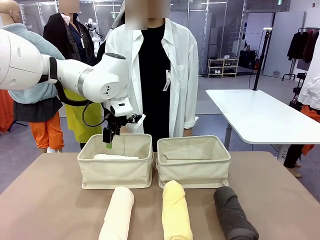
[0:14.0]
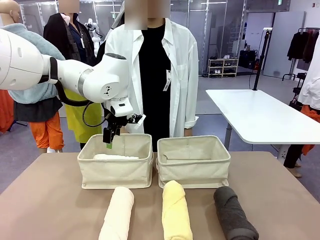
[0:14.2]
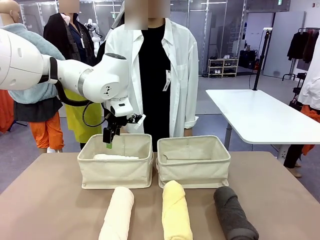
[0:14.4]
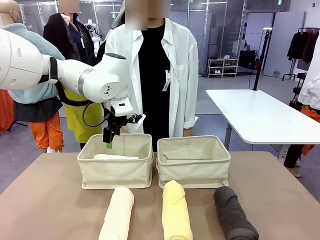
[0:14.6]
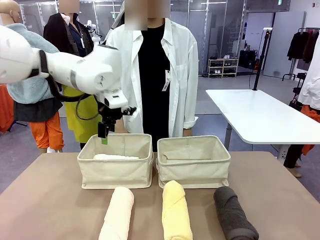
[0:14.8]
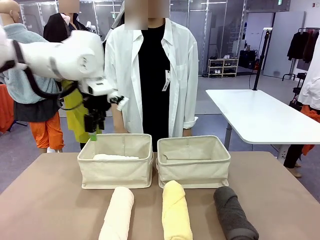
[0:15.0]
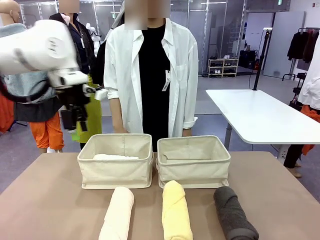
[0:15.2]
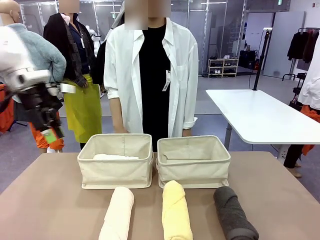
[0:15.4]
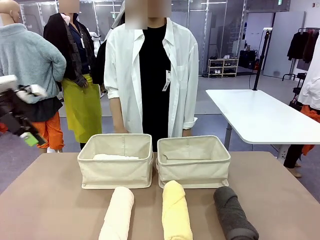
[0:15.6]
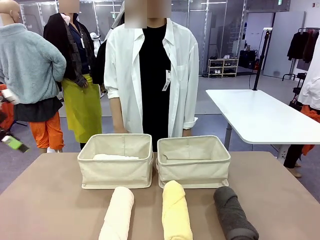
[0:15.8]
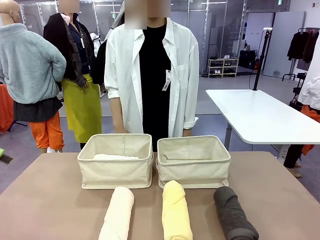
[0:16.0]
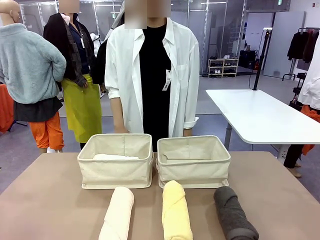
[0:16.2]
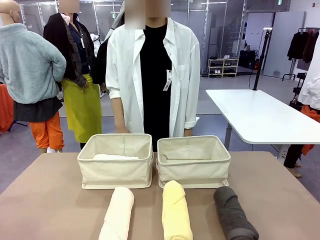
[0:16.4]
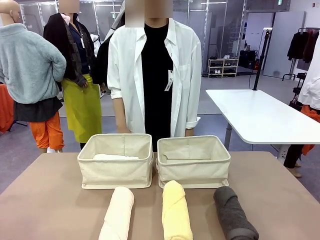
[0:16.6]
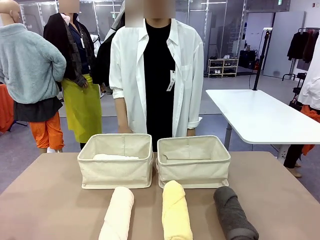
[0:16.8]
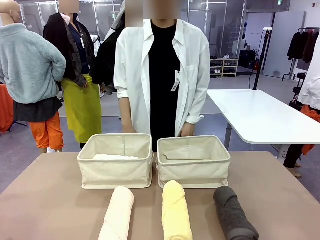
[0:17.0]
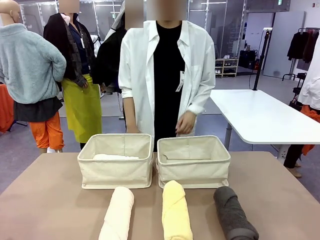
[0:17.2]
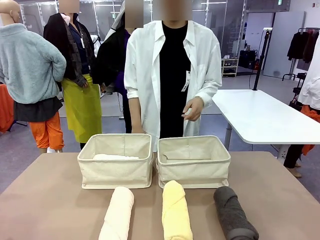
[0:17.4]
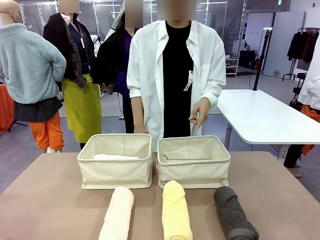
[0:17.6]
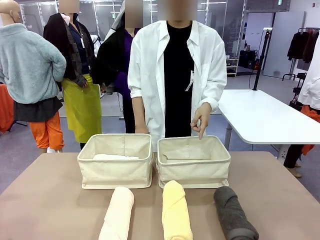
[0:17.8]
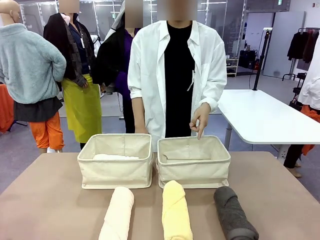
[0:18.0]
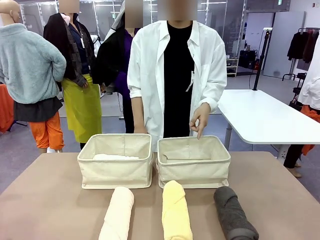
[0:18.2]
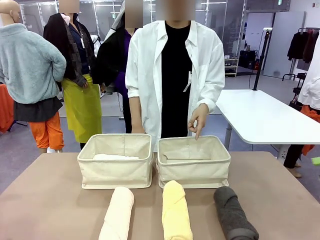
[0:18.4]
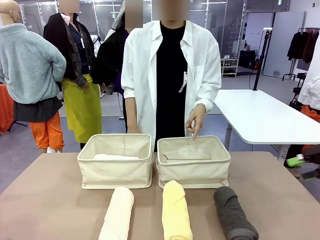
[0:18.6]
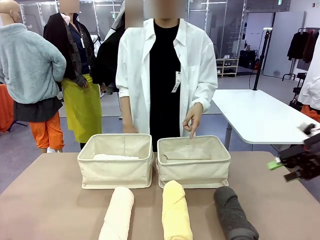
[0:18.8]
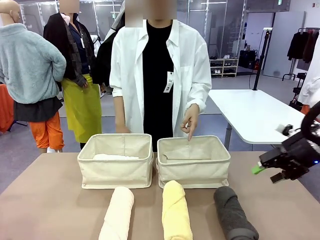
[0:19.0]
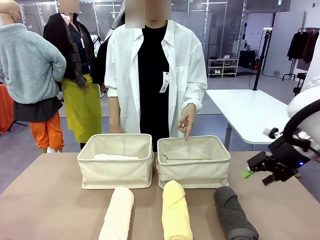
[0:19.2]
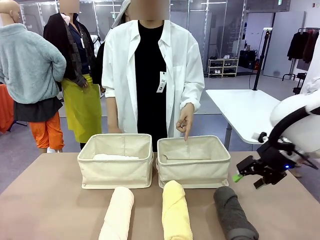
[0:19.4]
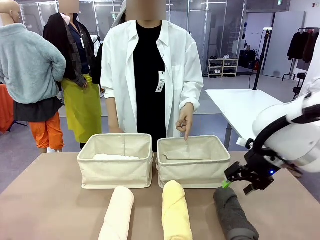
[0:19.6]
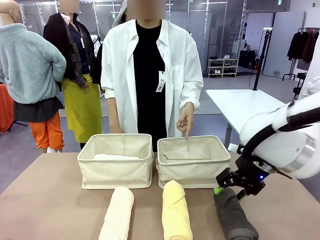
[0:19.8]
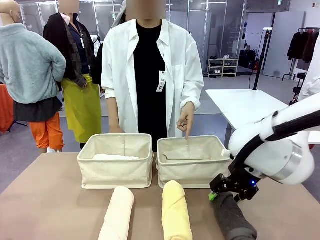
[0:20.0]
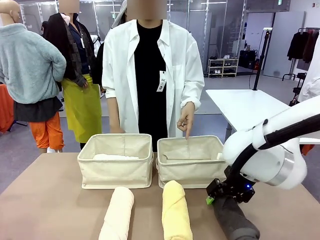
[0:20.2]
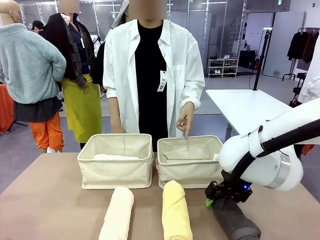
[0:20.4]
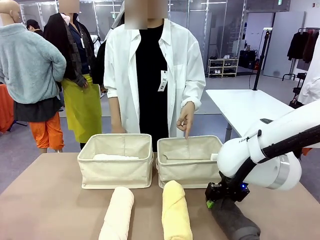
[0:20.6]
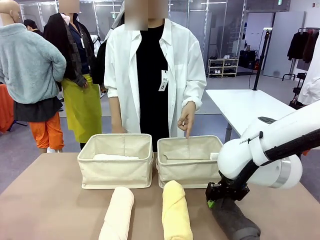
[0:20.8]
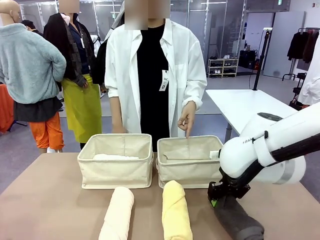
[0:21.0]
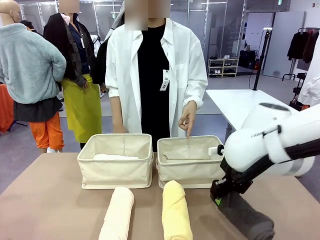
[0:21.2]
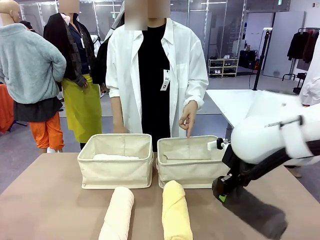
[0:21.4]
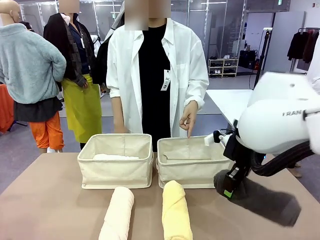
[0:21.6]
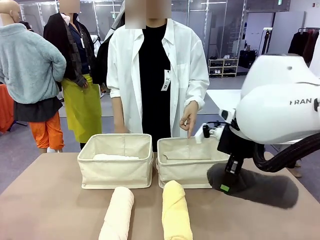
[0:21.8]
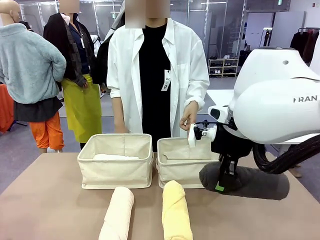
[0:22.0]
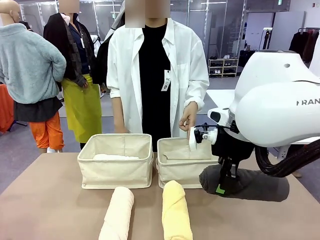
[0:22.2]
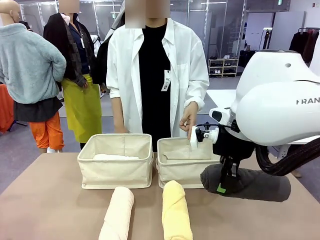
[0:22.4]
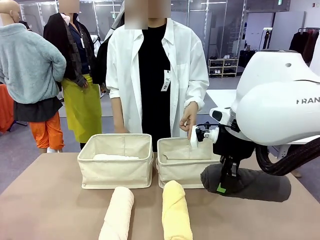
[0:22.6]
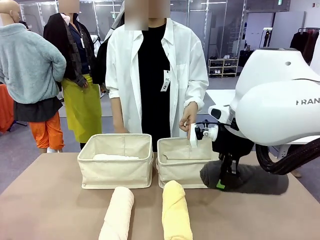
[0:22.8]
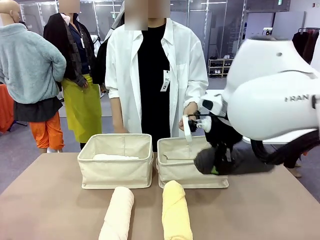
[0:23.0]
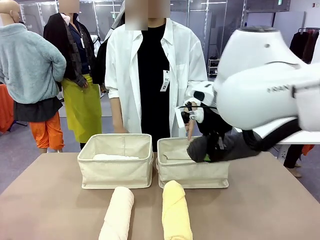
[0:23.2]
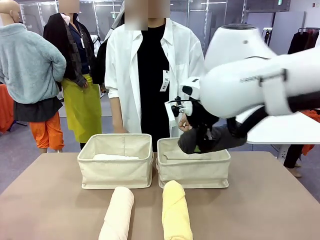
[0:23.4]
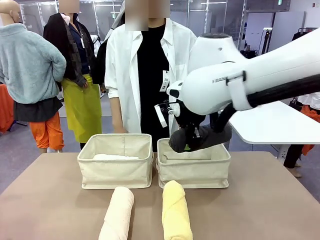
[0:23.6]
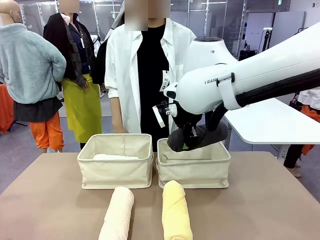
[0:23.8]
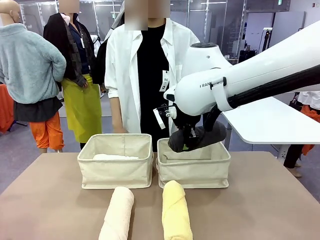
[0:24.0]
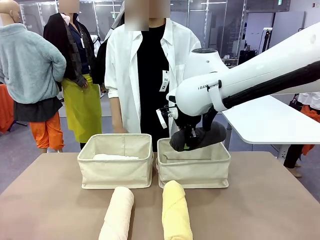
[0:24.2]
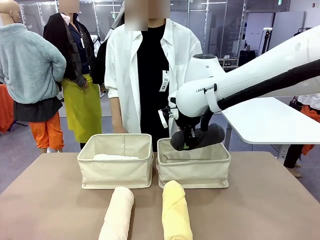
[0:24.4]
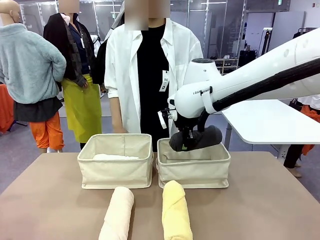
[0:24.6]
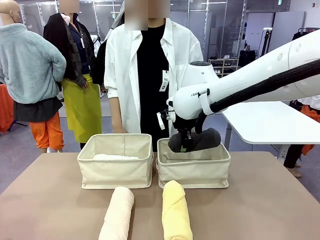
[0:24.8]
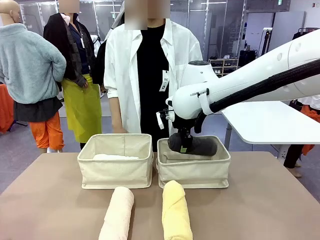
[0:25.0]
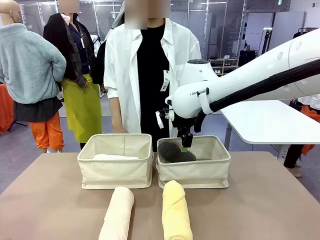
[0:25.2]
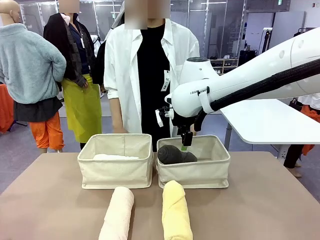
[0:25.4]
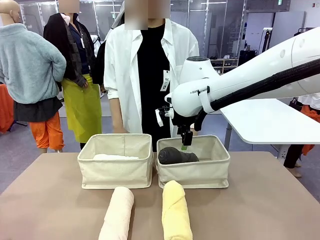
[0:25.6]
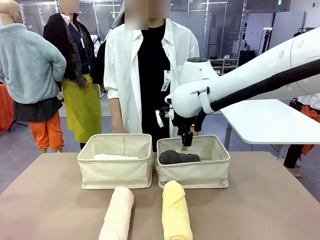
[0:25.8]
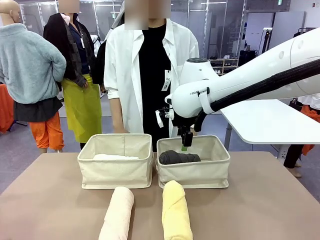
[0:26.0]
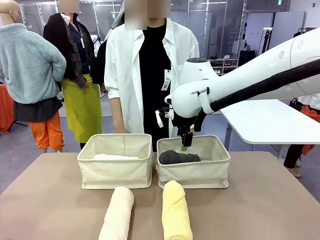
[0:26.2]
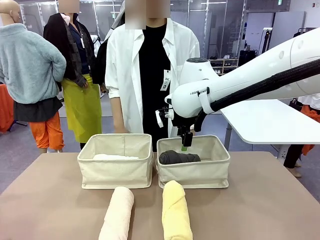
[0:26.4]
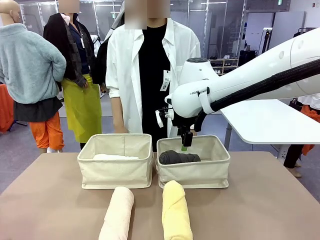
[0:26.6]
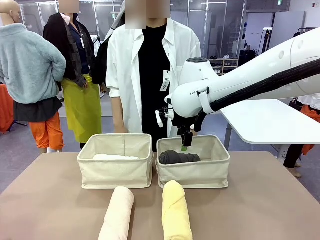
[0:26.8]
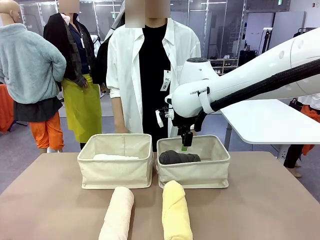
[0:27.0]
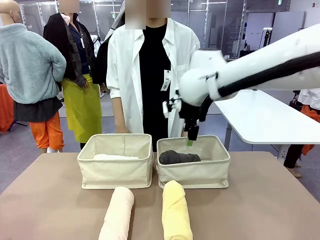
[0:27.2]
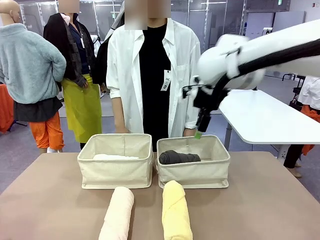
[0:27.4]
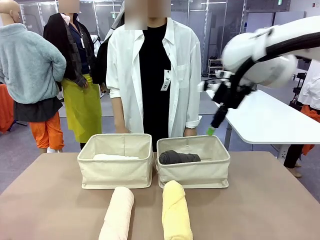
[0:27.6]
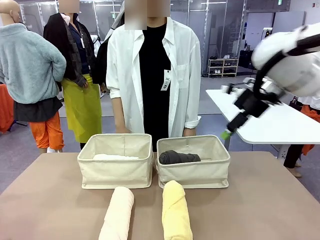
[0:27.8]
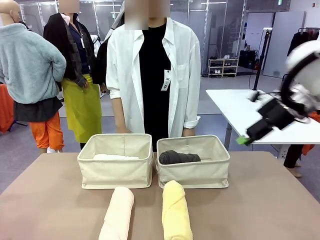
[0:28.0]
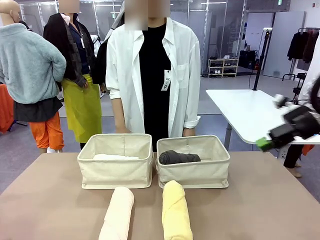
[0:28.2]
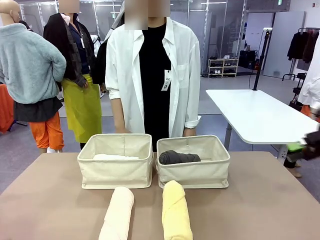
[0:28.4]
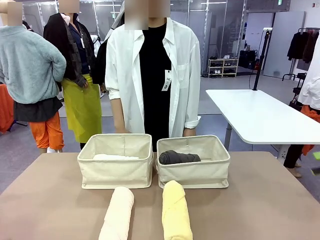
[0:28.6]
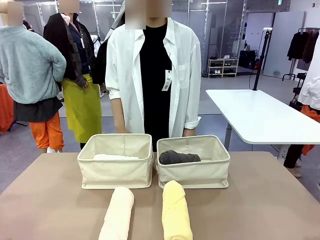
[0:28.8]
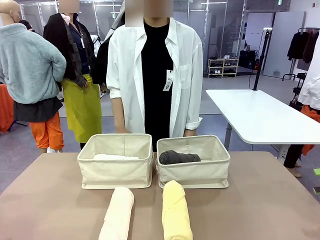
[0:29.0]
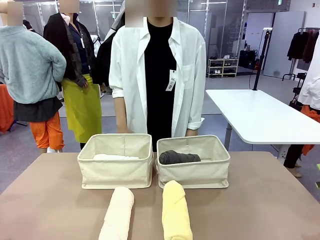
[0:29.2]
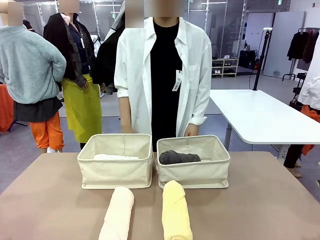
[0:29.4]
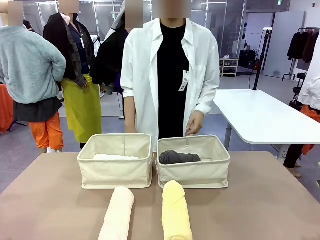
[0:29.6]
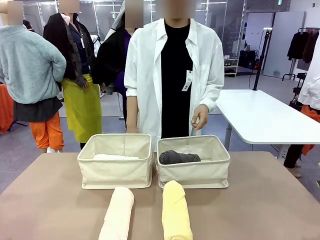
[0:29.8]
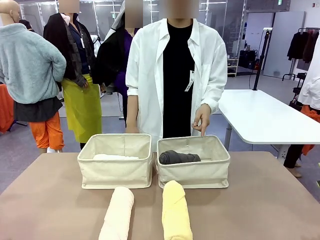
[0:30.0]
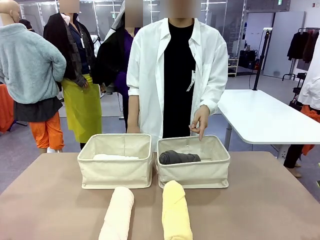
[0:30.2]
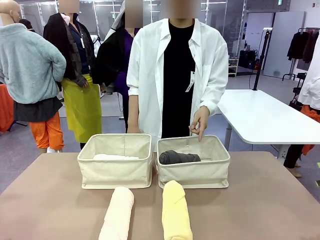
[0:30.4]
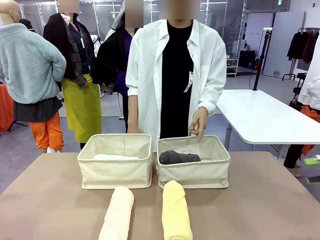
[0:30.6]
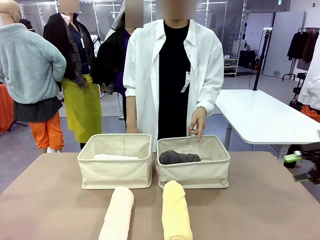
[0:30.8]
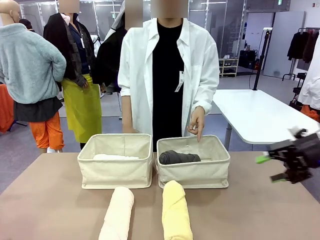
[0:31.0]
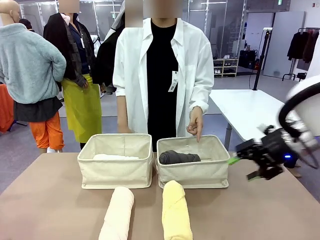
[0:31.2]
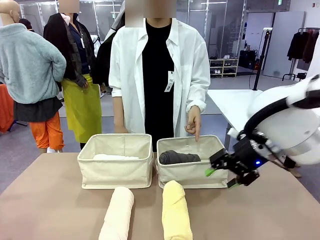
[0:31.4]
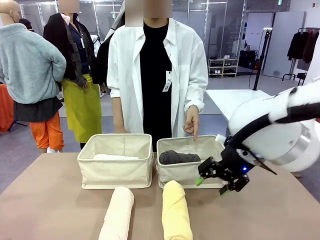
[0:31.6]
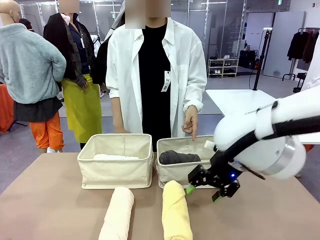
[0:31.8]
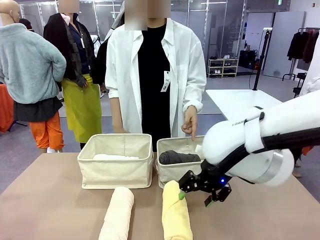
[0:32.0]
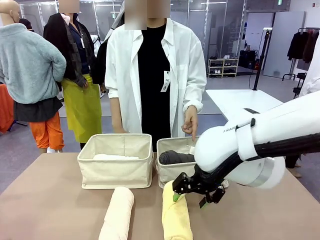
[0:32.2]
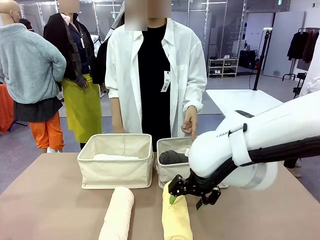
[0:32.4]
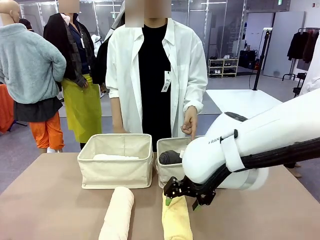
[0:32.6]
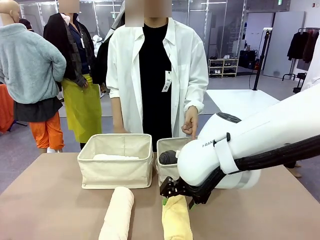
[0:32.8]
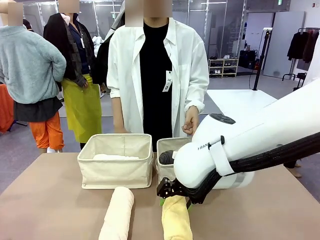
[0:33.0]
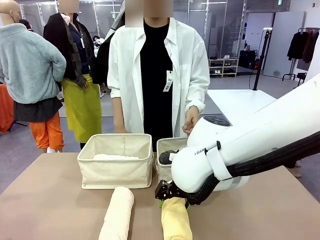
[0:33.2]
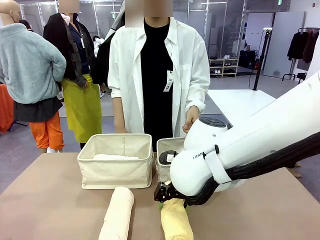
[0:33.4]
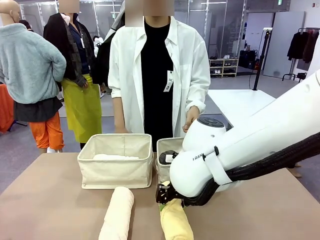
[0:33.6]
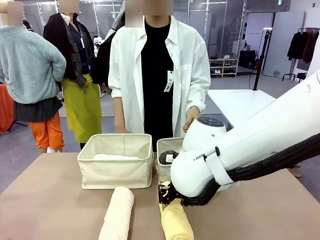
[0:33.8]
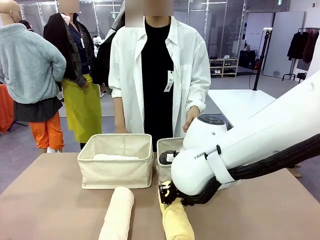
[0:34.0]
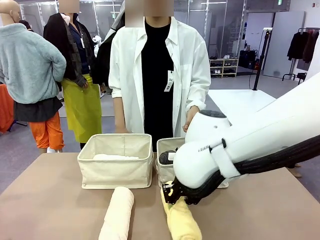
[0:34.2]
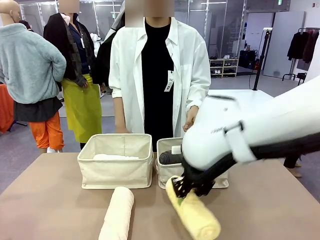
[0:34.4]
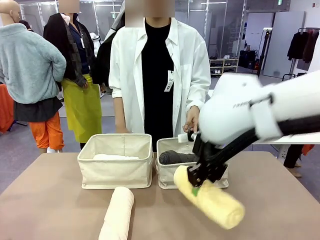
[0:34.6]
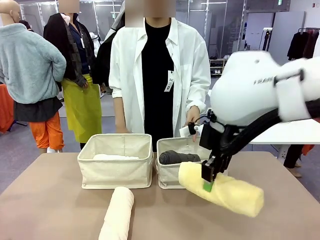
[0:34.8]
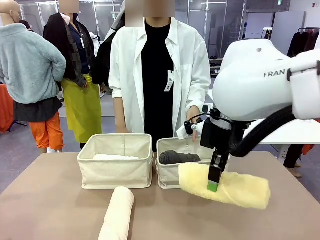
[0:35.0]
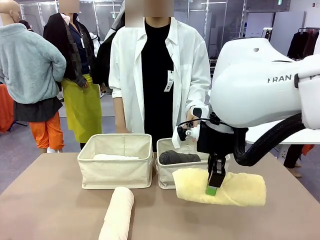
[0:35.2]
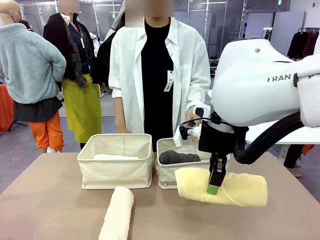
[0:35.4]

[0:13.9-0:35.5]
Task: Divide the towels into two baskets.
Robot: Pick up one hotel-folded towel from the bottom of the table and place it in the Fabric basket indicated by the person.
